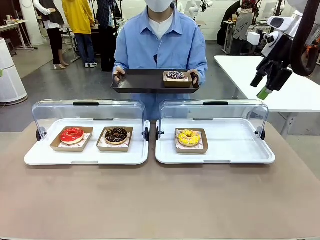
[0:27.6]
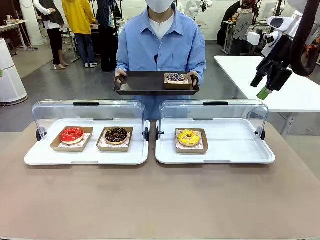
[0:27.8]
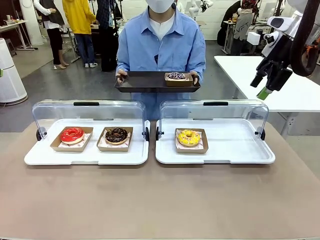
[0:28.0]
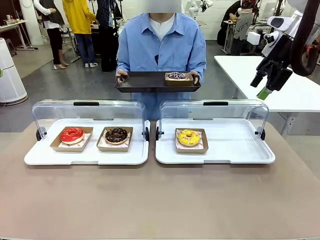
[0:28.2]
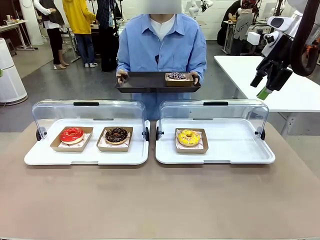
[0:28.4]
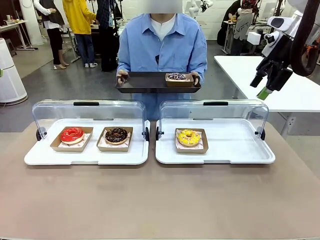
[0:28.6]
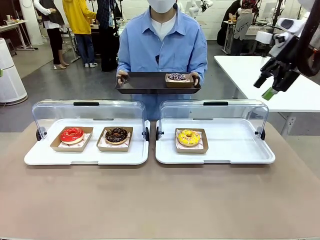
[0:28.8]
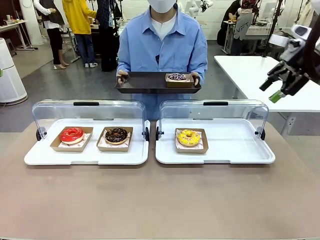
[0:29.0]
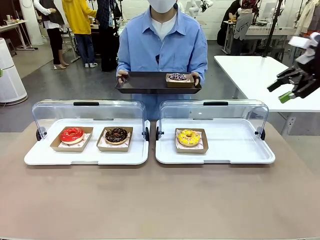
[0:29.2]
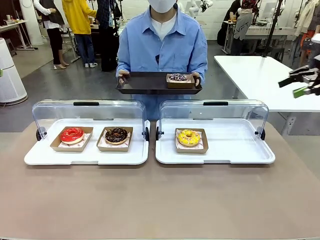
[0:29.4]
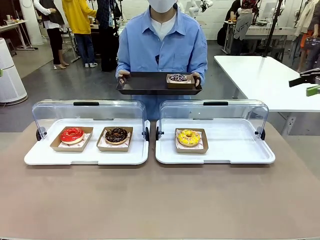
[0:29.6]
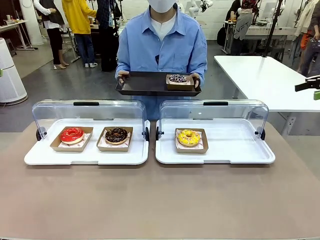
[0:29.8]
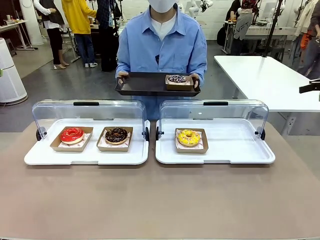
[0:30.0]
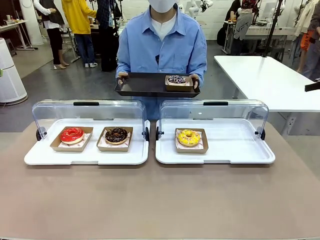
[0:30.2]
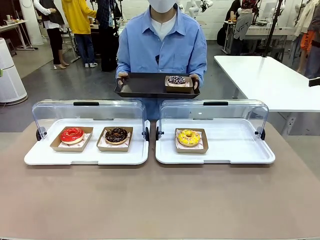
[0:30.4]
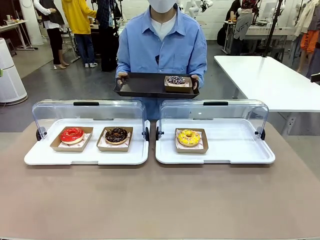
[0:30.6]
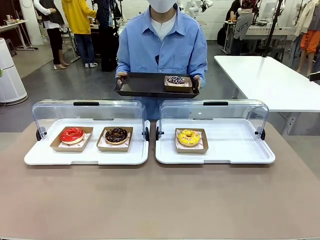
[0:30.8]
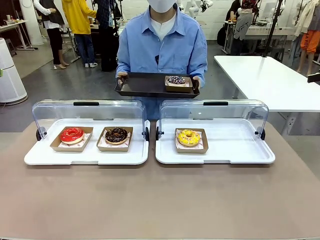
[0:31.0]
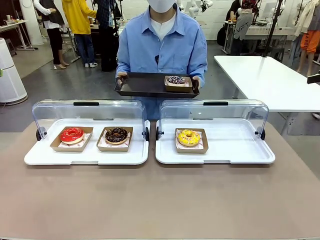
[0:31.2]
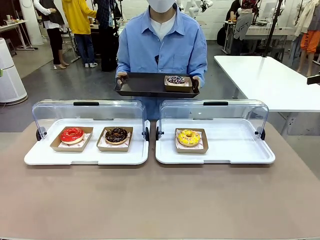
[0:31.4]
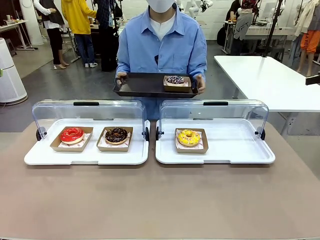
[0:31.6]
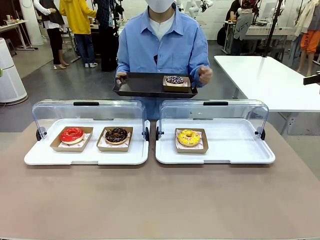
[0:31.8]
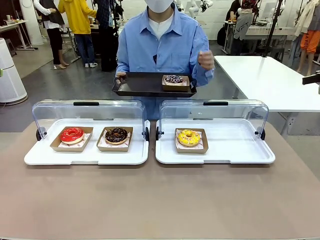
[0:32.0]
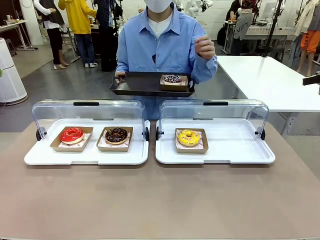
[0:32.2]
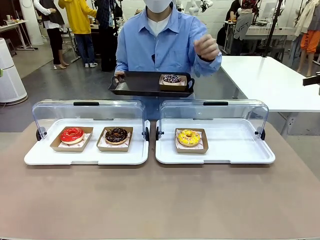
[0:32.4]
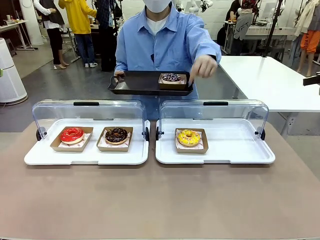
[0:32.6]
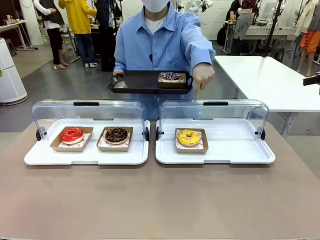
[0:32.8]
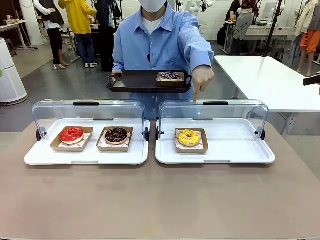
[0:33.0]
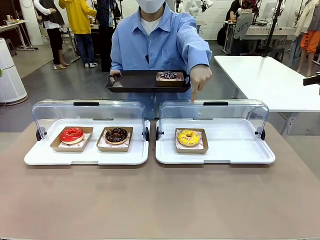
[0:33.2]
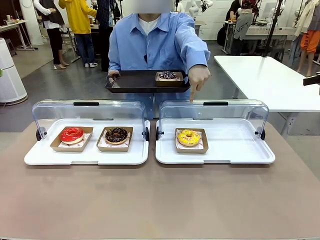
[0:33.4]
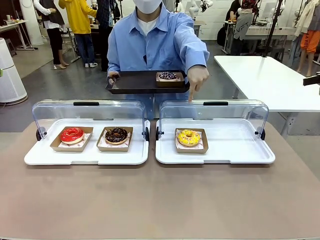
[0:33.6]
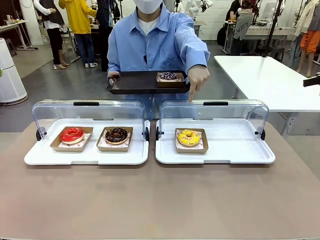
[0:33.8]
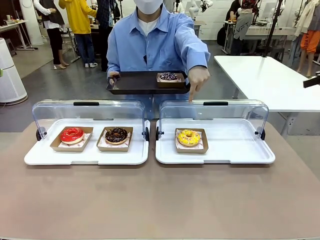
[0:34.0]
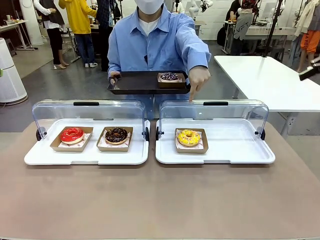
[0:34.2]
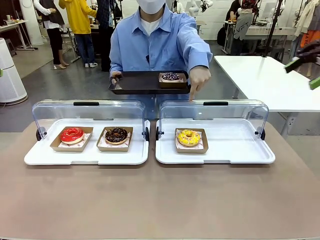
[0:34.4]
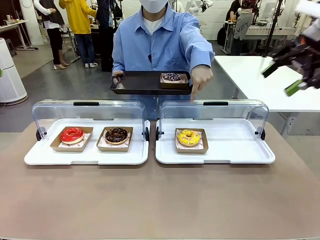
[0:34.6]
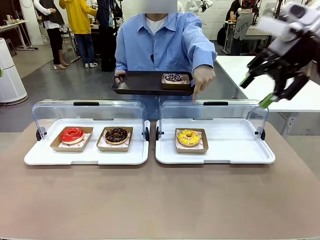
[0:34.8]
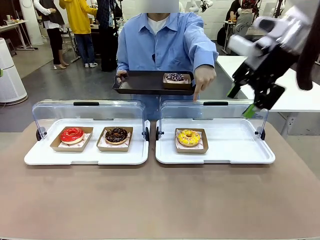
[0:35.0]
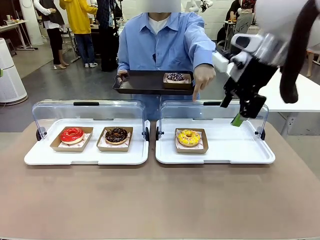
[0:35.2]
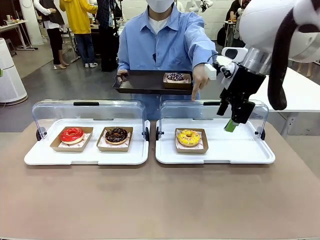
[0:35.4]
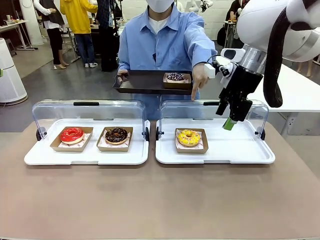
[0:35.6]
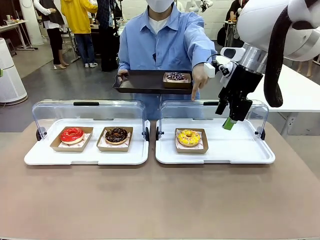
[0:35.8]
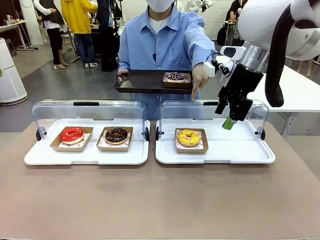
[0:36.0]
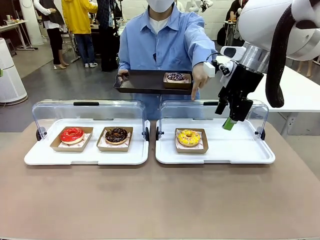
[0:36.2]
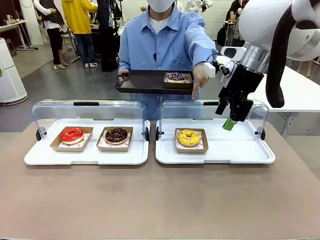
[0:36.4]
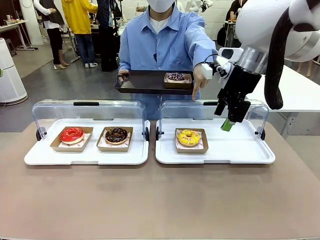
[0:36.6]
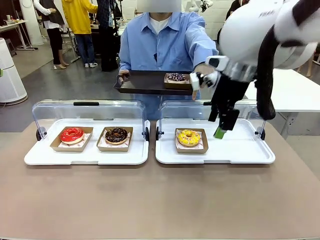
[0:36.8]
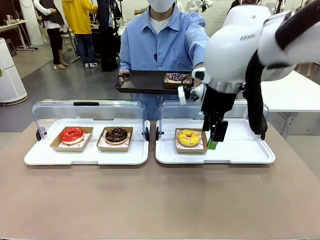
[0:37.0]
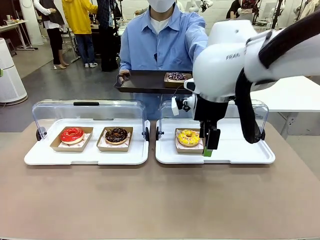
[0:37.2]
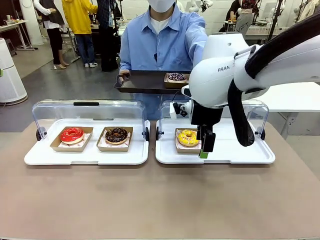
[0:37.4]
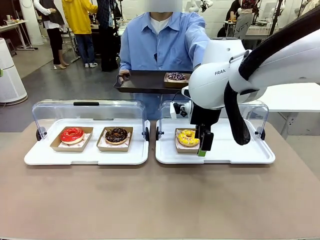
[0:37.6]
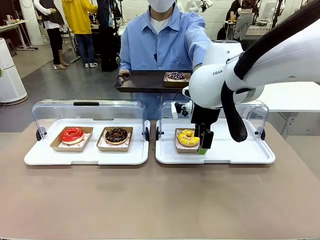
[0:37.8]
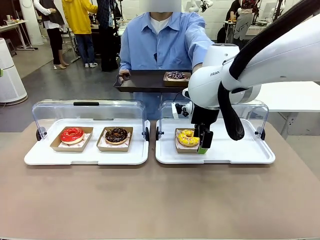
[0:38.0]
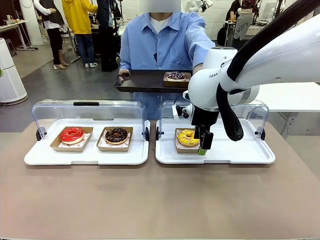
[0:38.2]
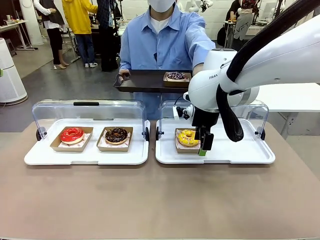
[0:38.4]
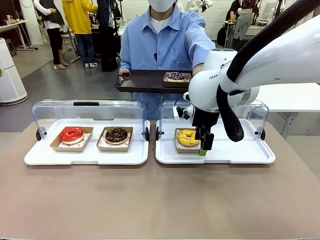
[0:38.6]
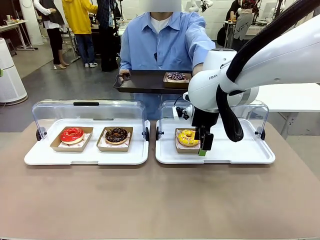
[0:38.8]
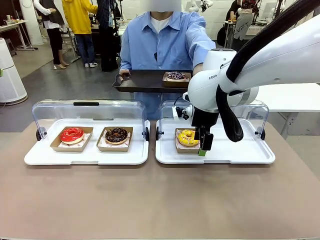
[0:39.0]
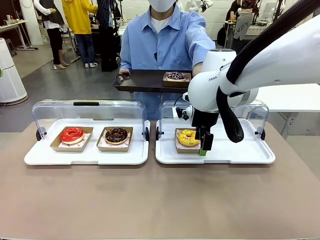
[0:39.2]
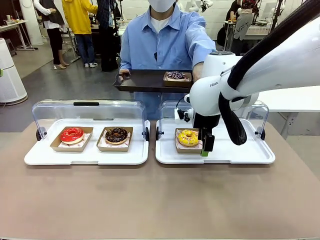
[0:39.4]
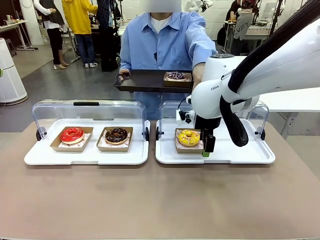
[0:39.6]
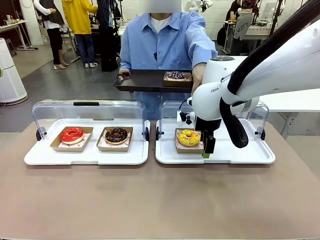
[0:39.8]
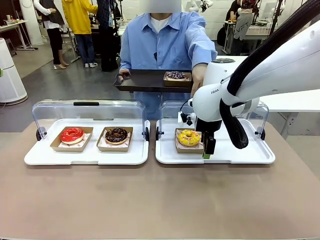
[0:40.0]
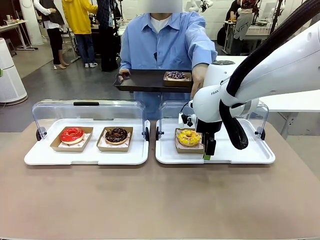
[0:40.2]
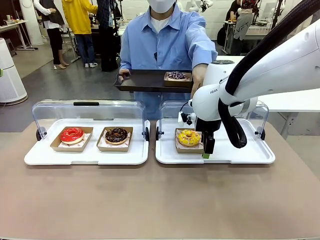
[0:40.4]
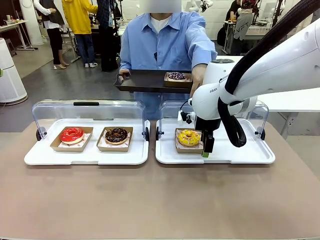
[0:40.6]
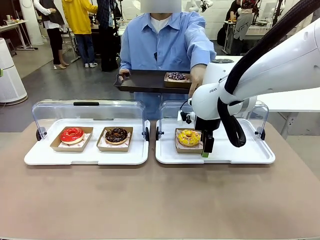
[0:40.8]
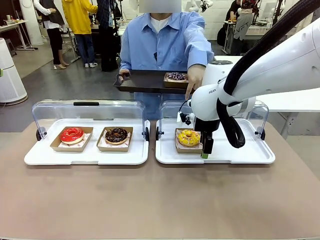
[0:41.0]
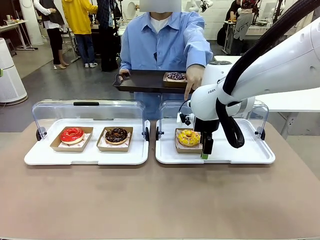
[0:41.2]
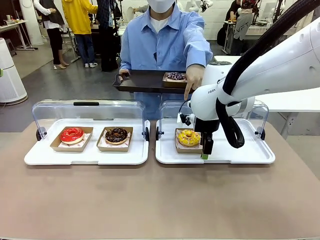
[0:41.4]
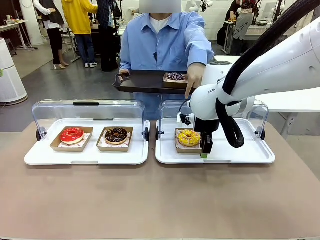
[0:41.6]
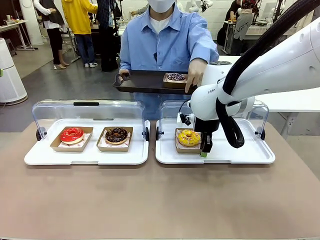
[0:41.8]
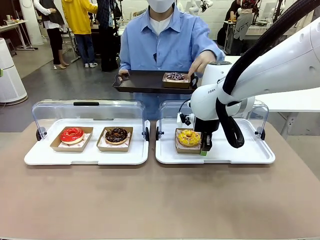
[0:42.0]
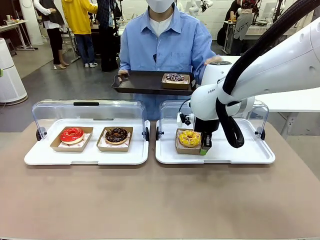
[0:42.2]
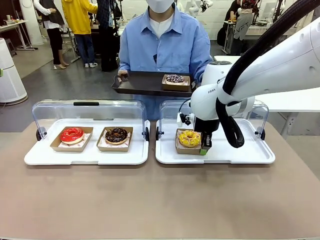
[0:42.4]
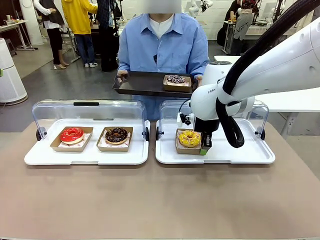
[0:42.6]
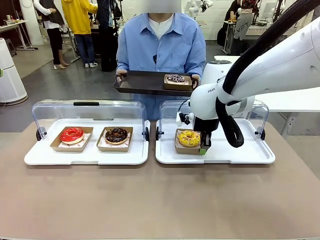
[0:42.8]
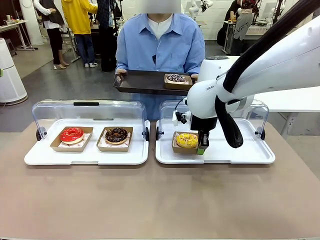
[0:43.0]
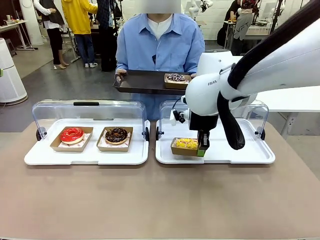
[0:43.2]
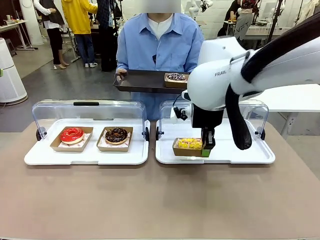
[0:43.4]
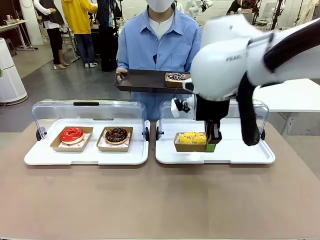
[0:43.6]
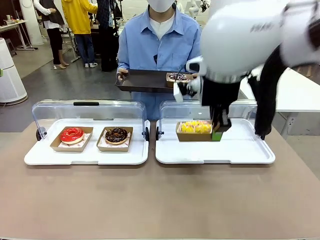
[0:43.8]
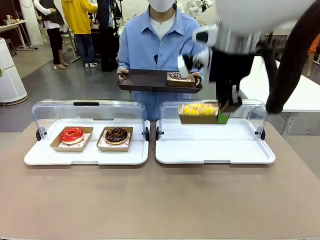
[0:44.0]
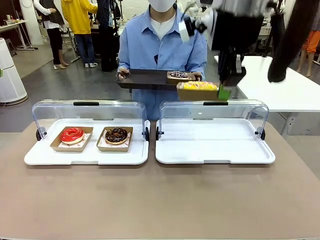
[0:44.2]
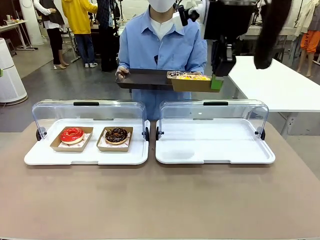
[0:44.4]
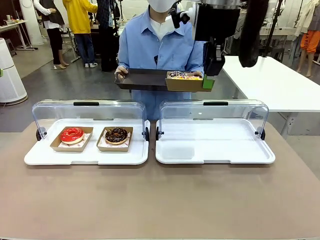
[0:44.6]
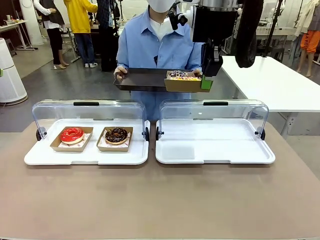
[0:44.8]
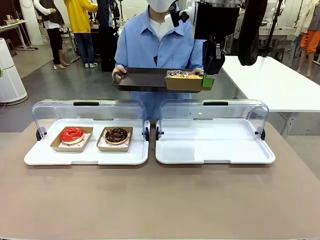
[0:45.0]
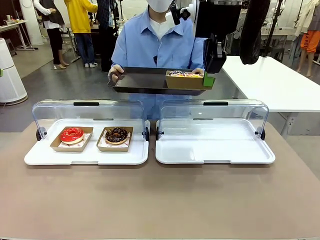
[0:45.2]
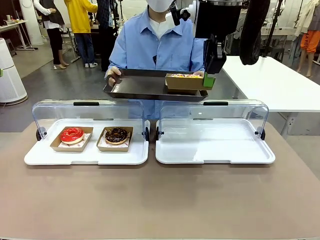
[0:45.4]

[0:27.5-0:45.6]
Task: Provide the desired donut to the person.
Robot: Pick up and lift the Paper togo box containing the Donut pointed at by the person.
Person: Point to one donut. Lift the tray onto the Roll-Top Bakery Case.
